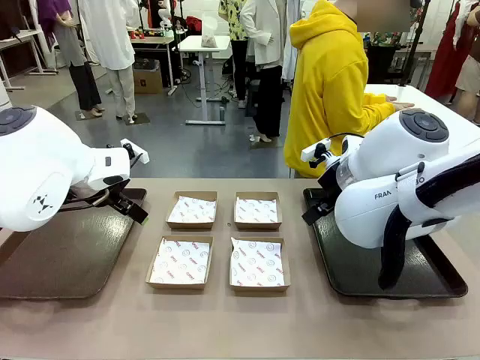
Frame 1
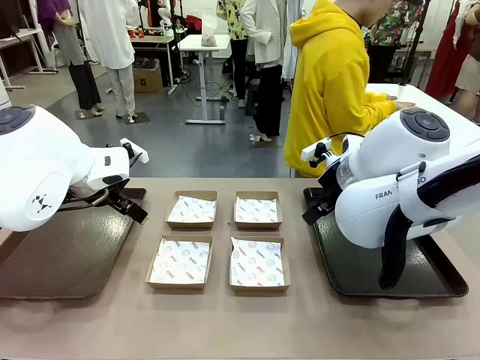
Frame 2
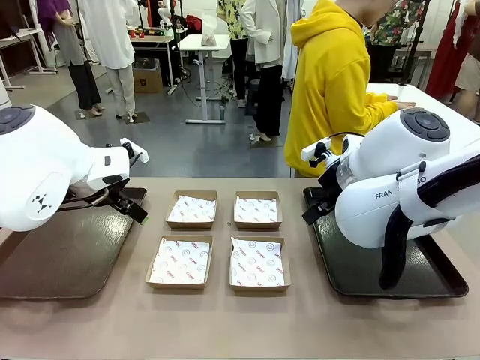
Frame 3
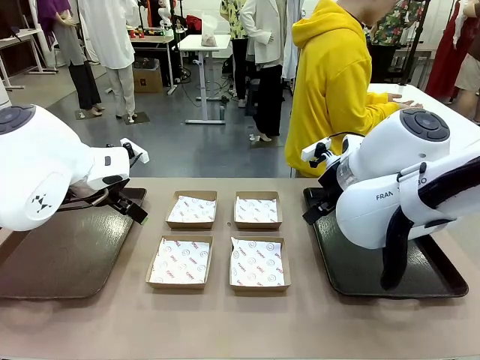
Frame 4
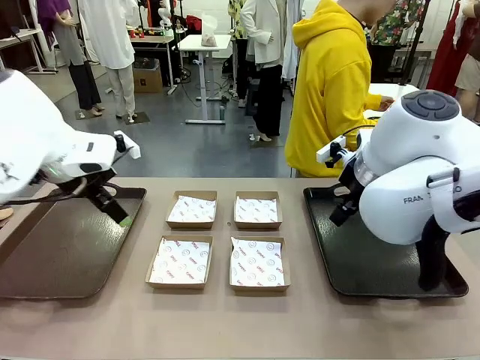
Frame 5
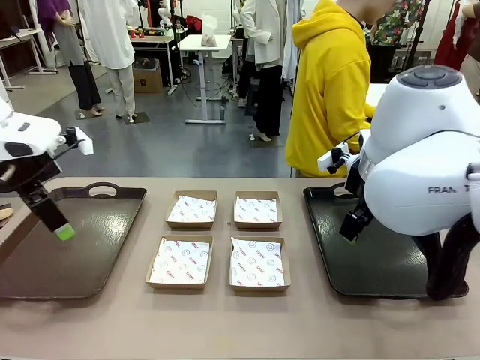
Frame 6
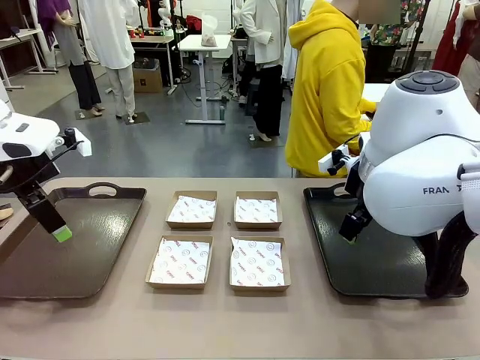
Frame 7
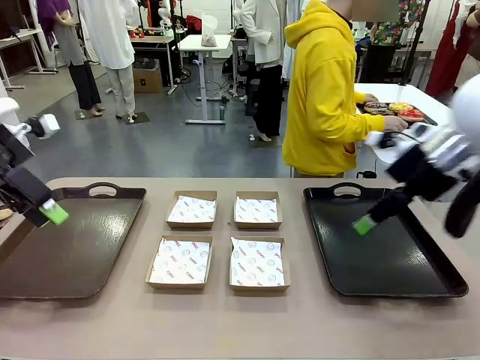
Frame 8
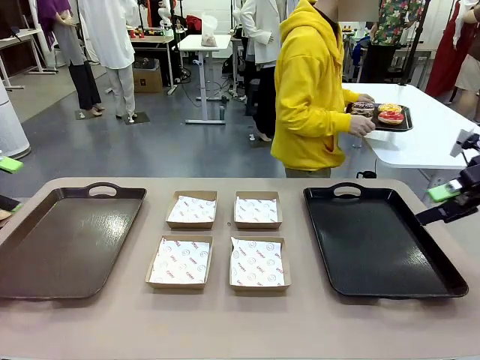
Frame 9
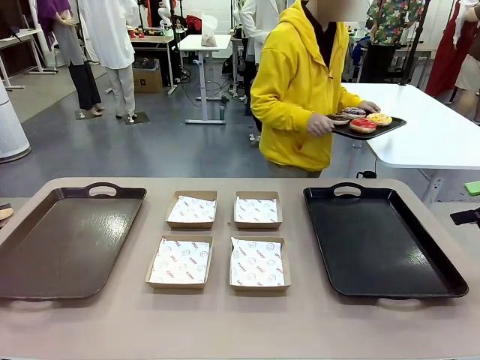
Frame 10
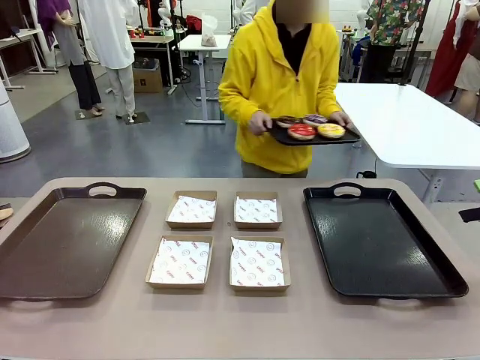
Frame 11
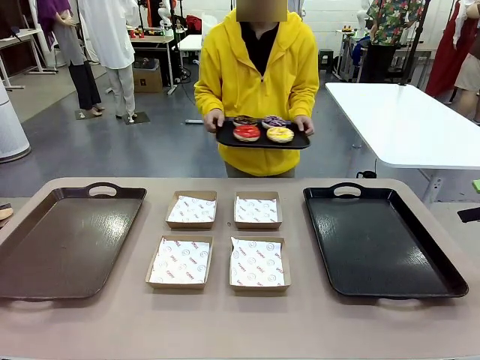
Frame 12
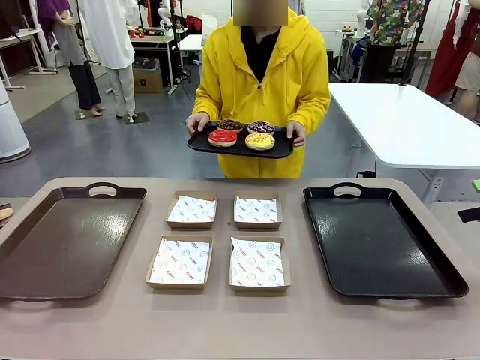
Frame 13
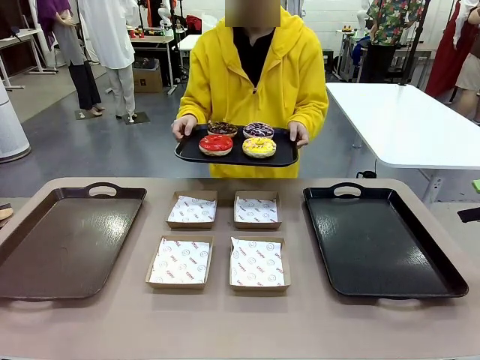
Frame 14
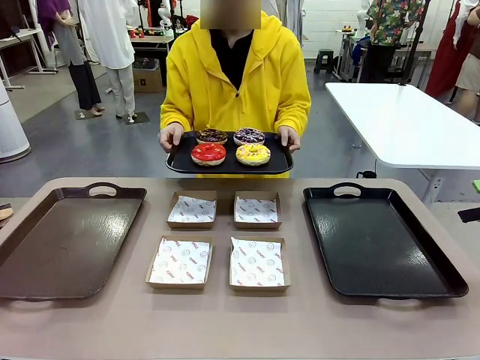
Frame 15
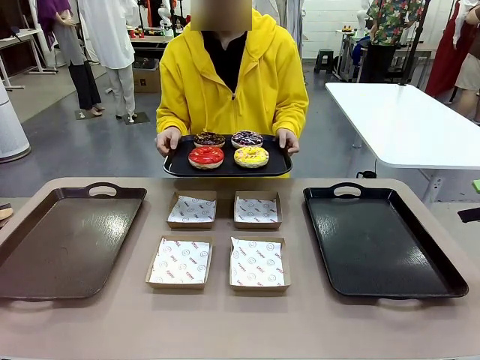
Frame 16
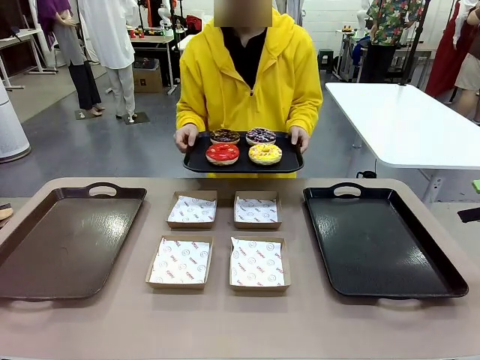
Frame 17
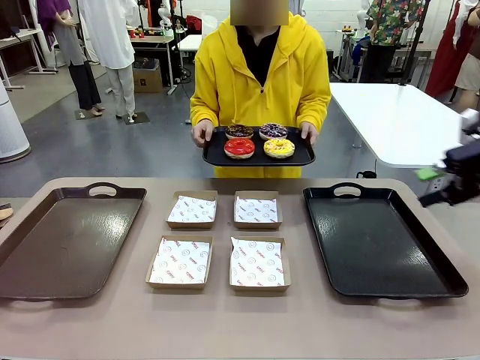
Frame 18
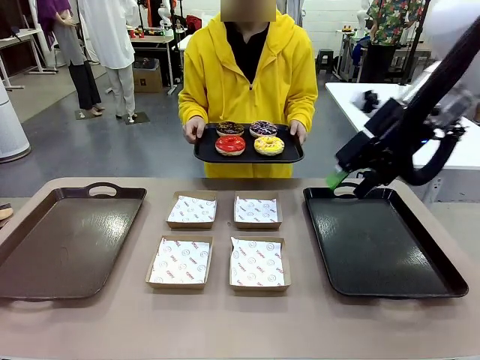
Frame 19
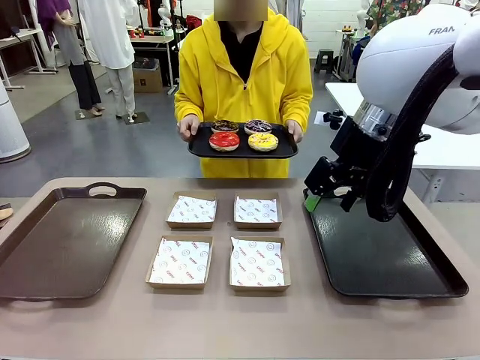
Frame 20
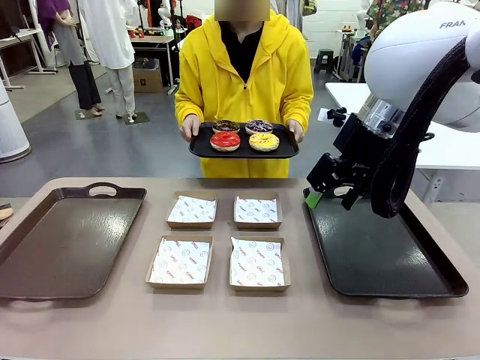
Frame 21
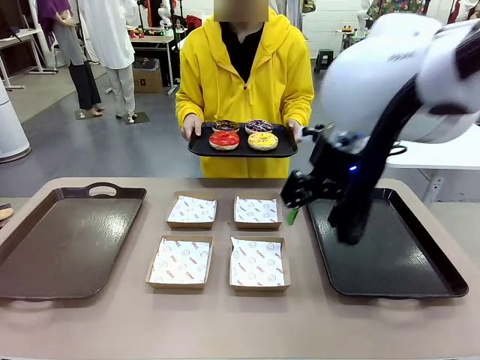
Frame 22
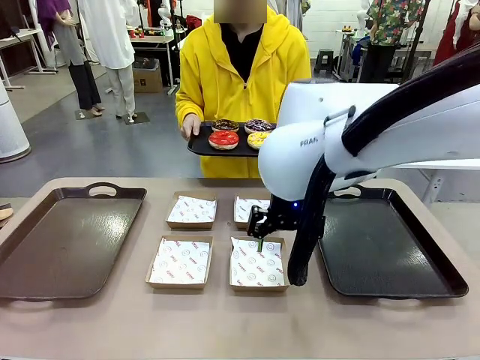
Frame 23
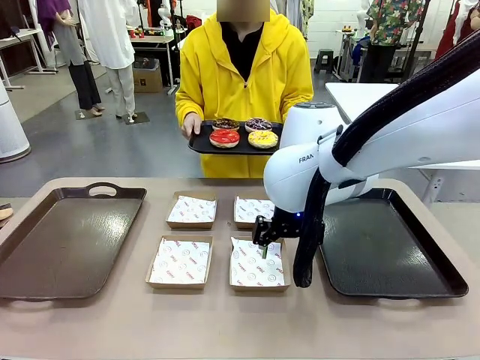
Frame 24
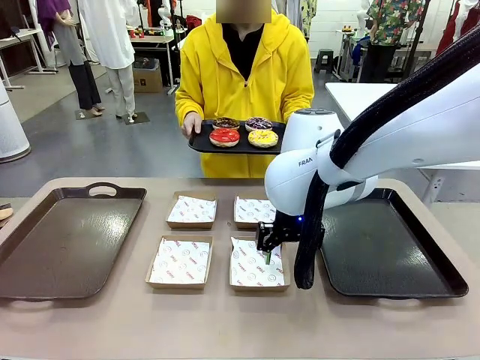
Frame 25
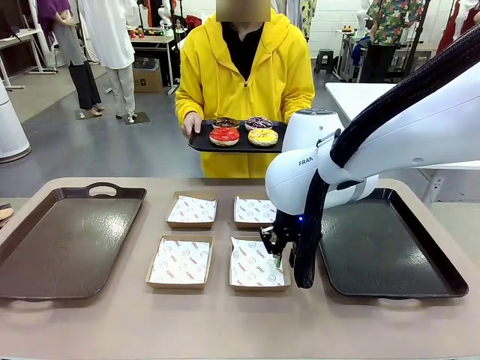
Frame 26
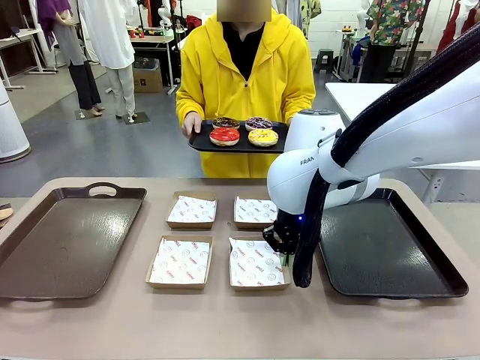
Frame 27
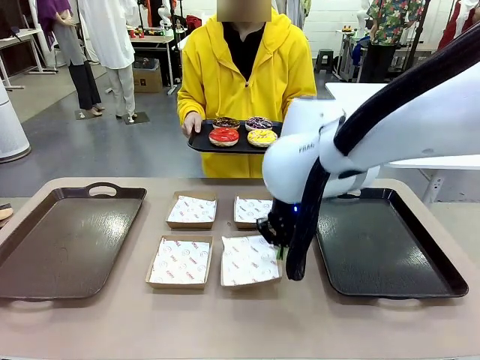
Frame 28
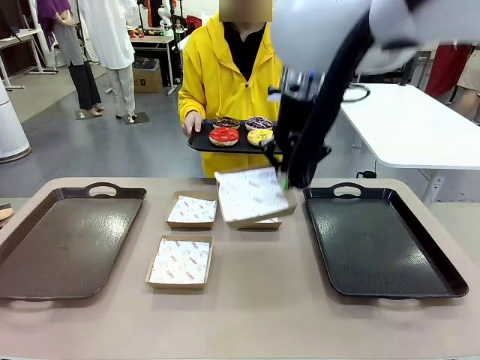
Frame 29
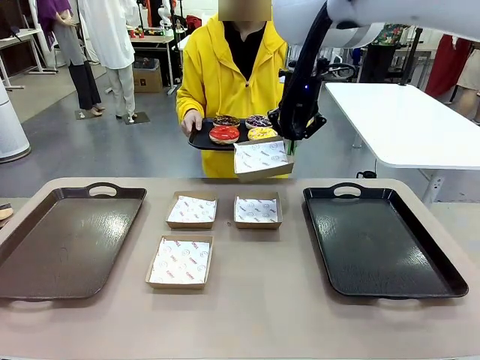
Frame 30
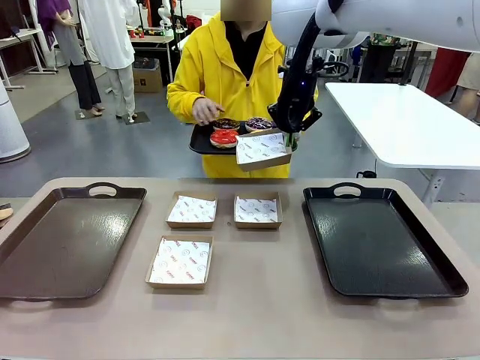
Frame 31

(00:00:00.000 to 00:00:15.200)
Task: Individually package the donuts and arrange them on the tray.
Robot: Pick up one Paper togo box.
Person: Stand in front of the robot table holding the tray containing the donuts.
